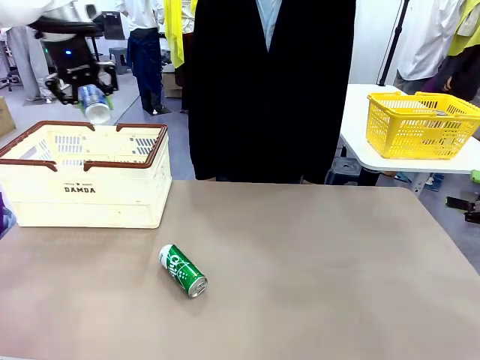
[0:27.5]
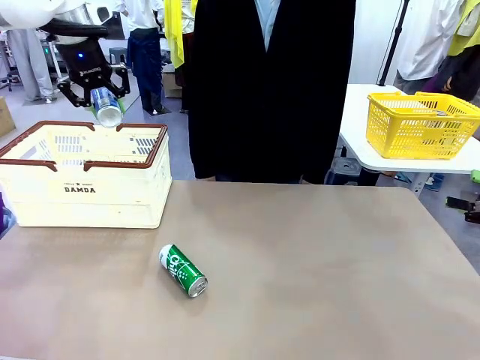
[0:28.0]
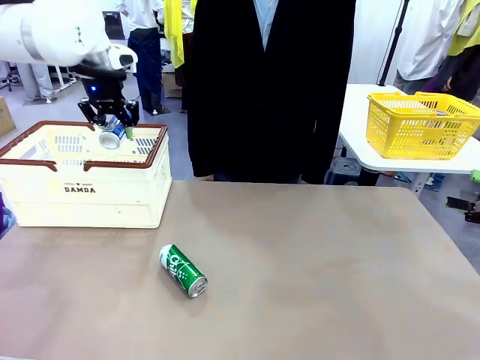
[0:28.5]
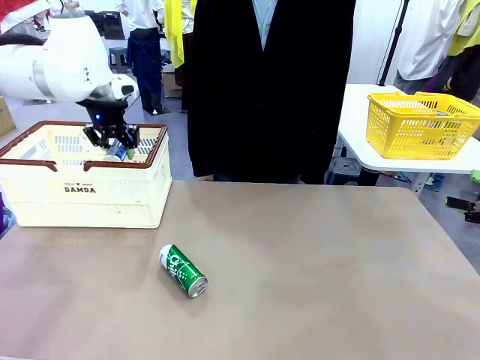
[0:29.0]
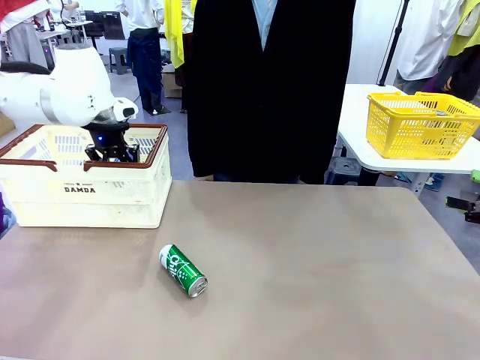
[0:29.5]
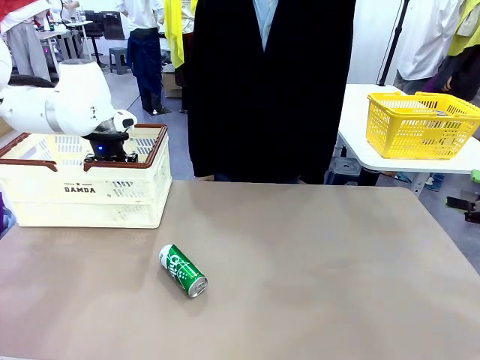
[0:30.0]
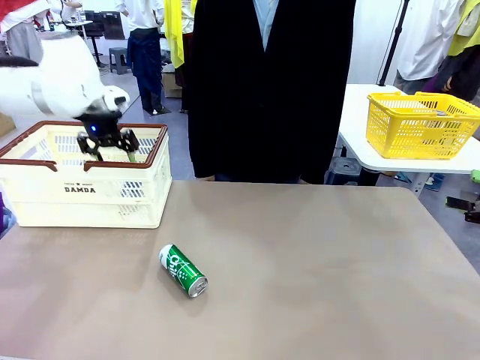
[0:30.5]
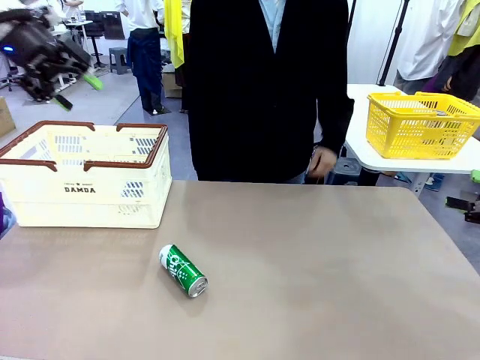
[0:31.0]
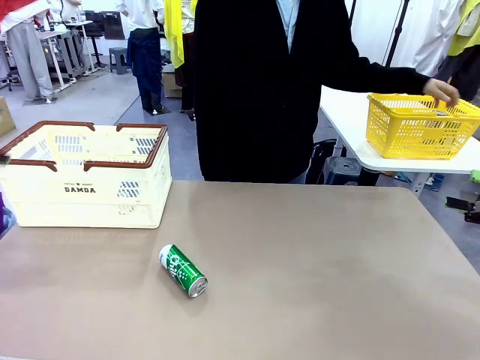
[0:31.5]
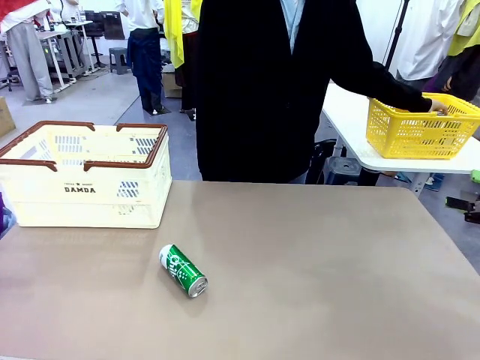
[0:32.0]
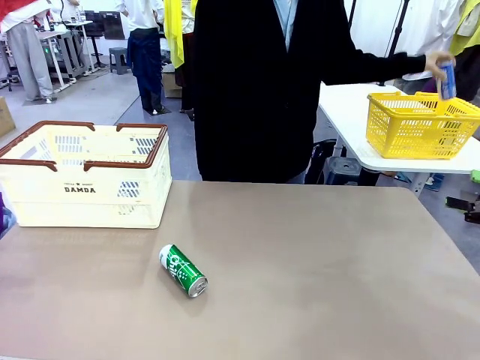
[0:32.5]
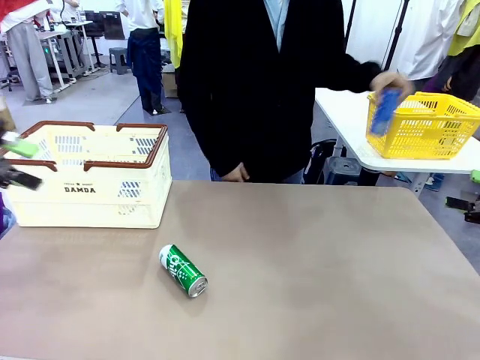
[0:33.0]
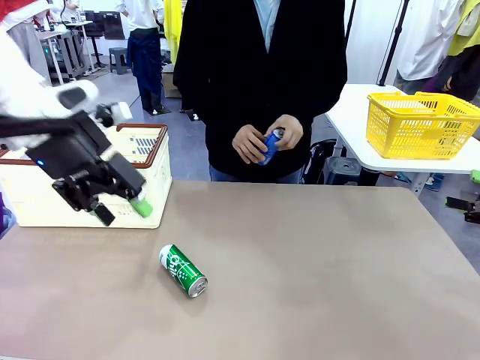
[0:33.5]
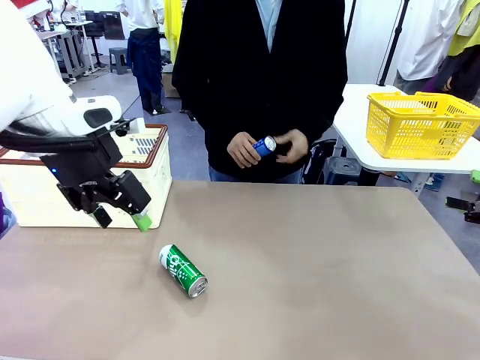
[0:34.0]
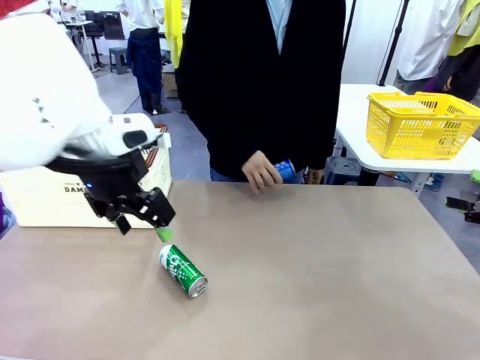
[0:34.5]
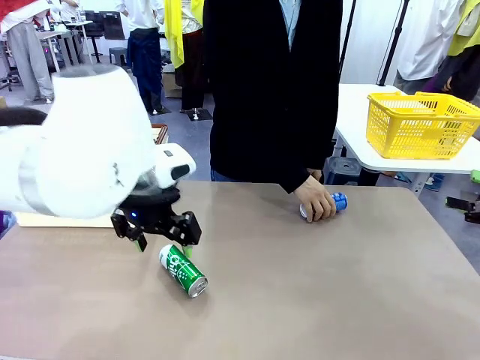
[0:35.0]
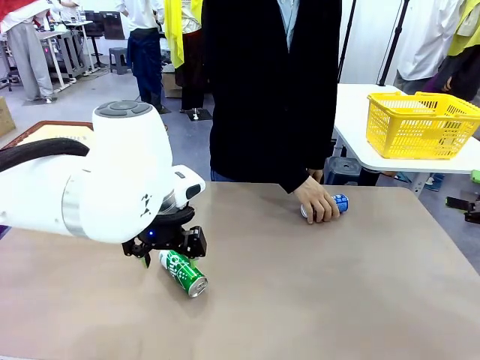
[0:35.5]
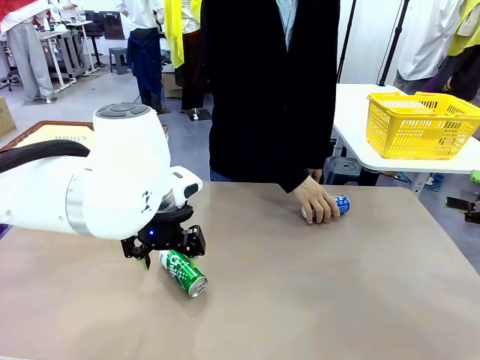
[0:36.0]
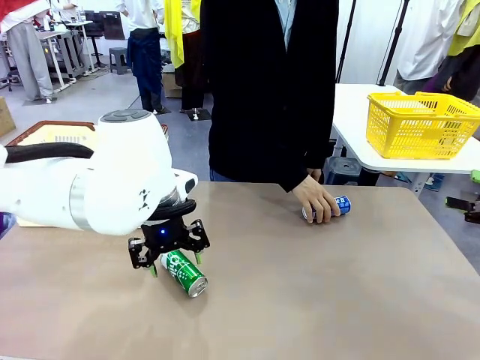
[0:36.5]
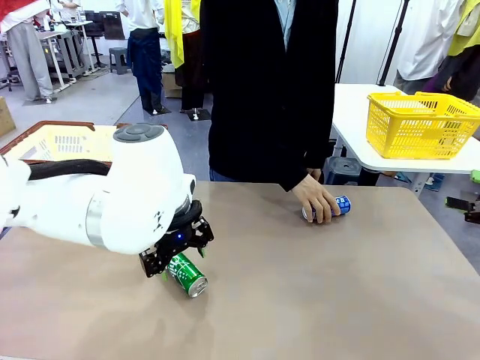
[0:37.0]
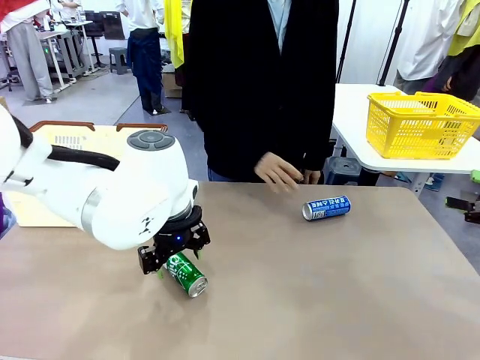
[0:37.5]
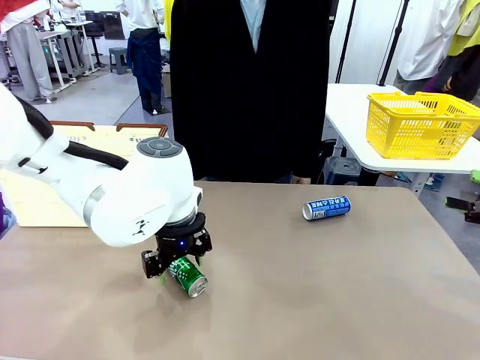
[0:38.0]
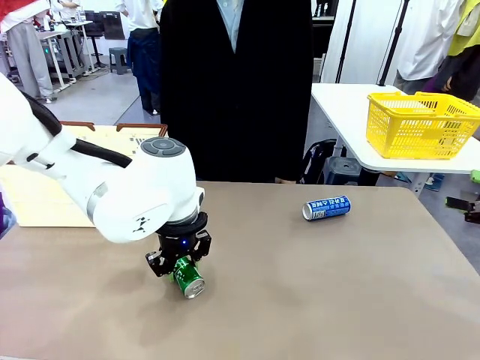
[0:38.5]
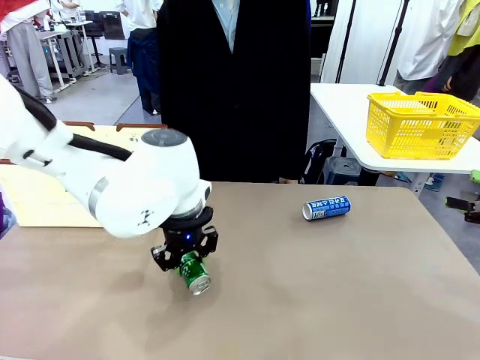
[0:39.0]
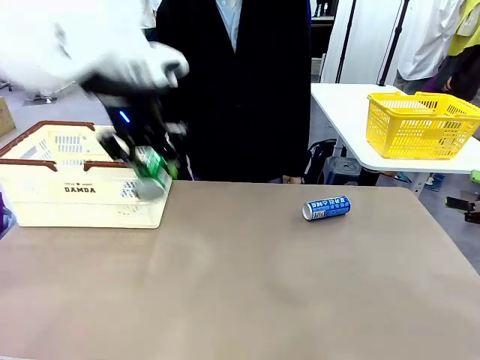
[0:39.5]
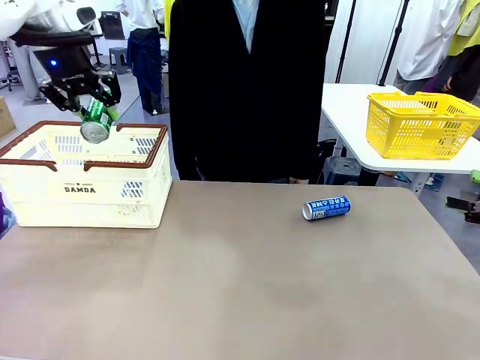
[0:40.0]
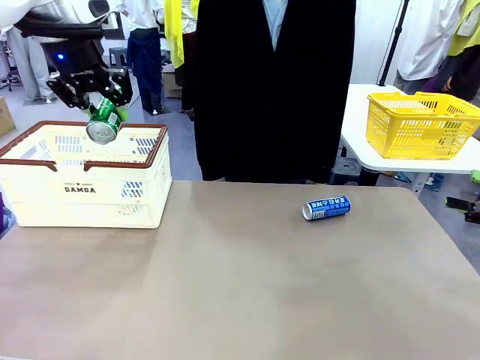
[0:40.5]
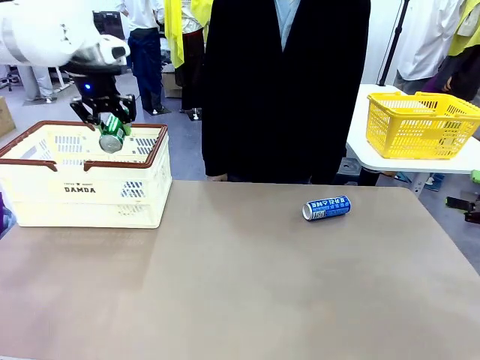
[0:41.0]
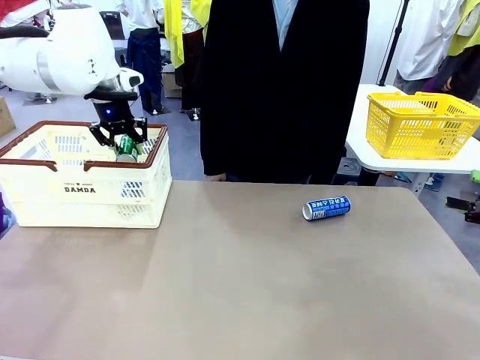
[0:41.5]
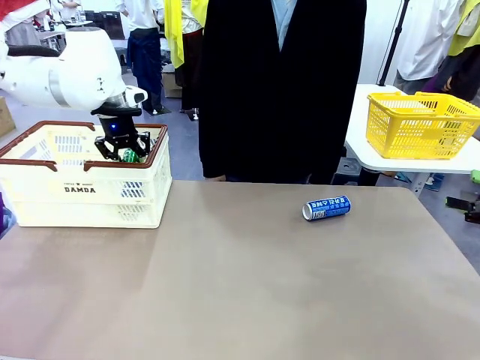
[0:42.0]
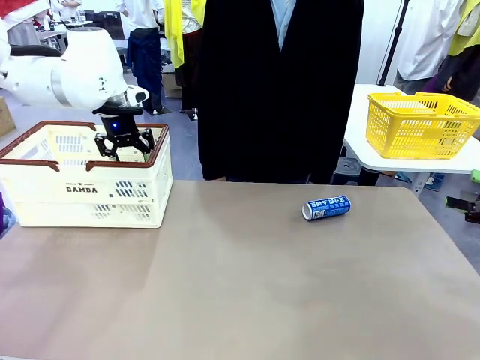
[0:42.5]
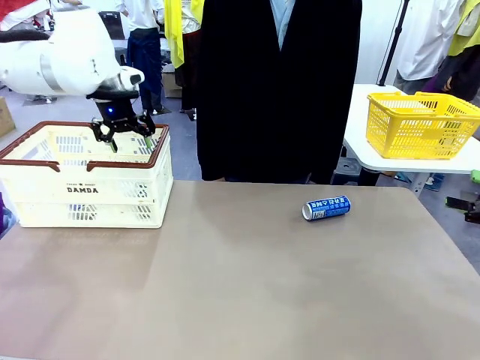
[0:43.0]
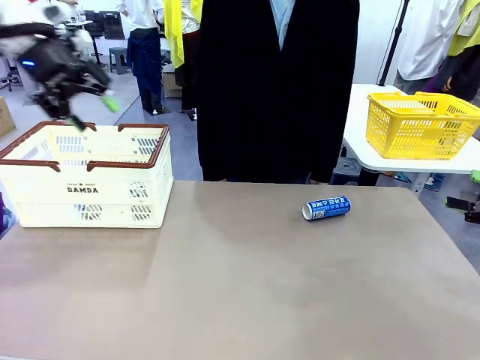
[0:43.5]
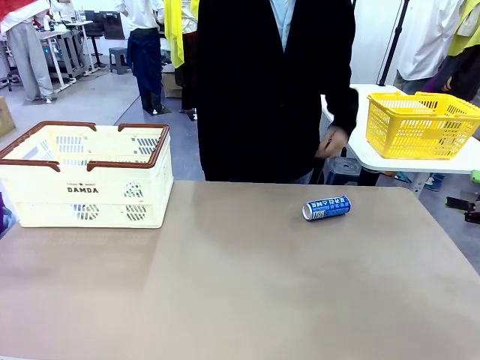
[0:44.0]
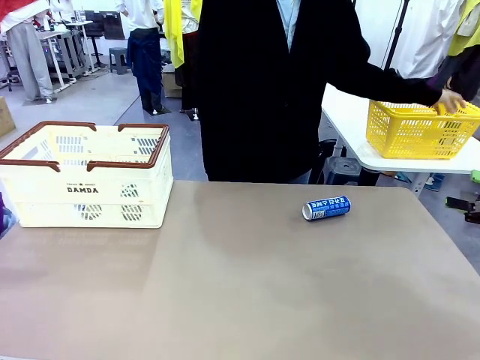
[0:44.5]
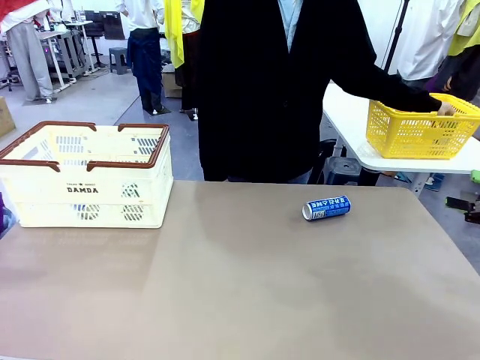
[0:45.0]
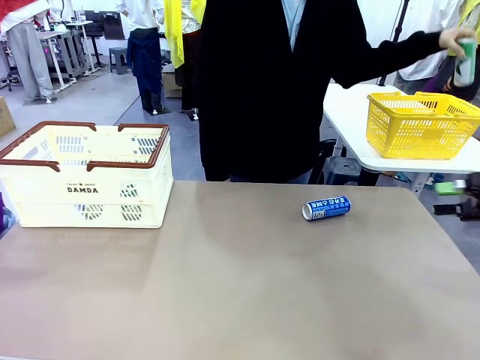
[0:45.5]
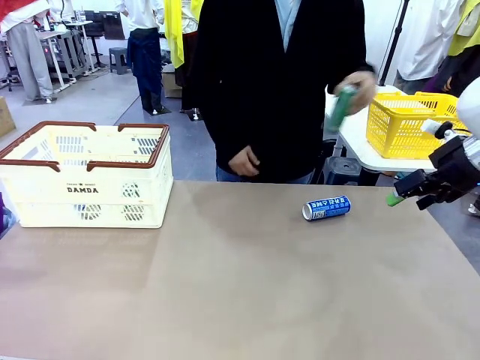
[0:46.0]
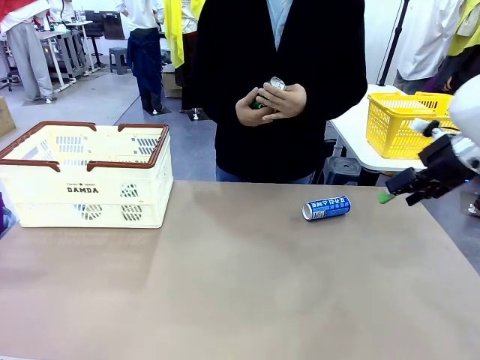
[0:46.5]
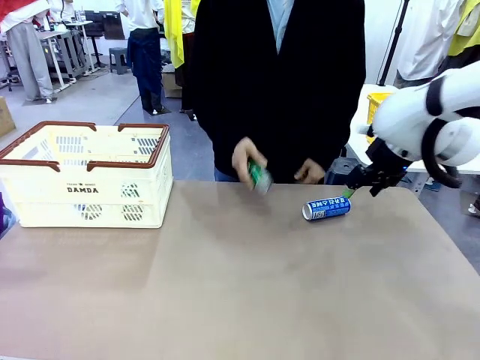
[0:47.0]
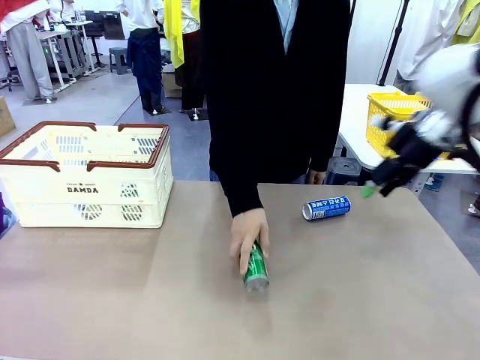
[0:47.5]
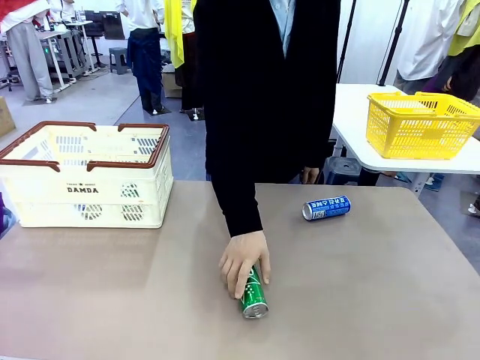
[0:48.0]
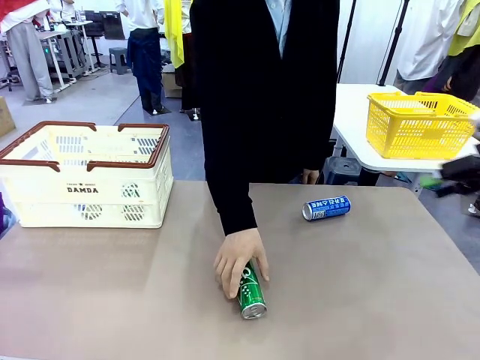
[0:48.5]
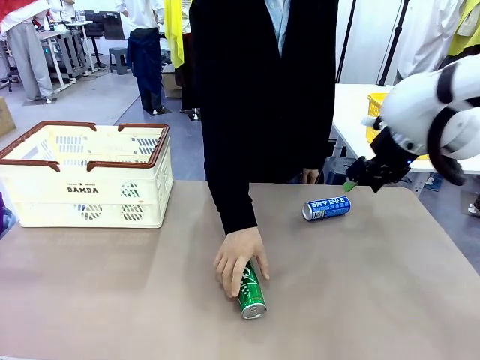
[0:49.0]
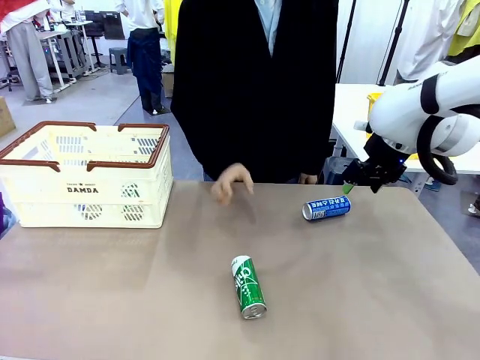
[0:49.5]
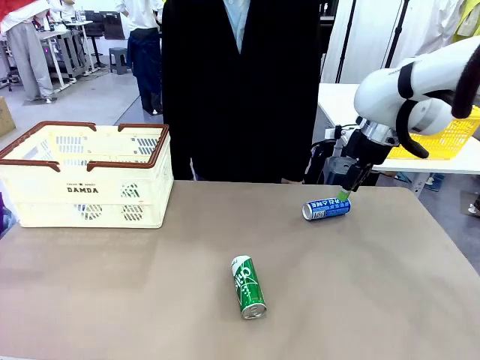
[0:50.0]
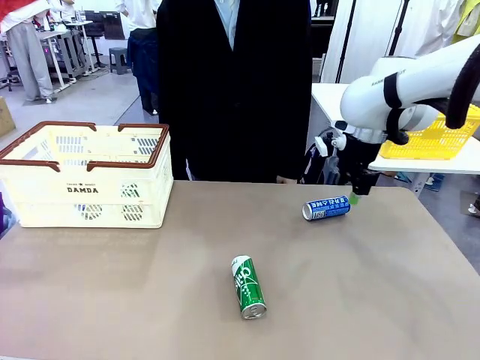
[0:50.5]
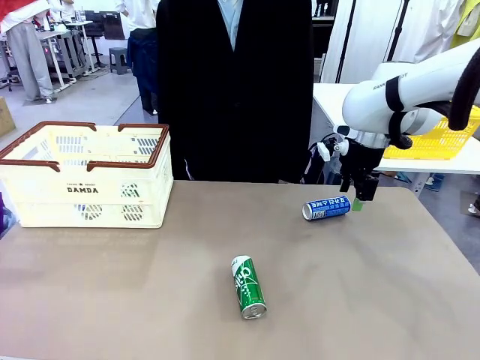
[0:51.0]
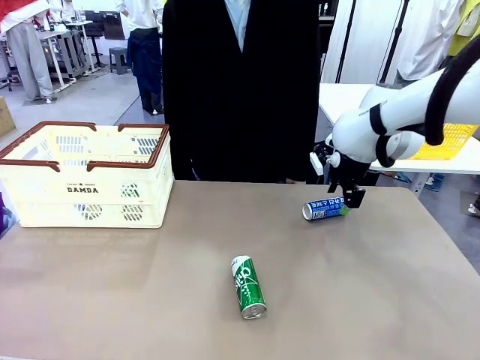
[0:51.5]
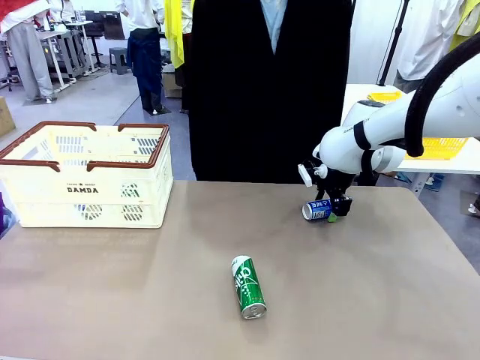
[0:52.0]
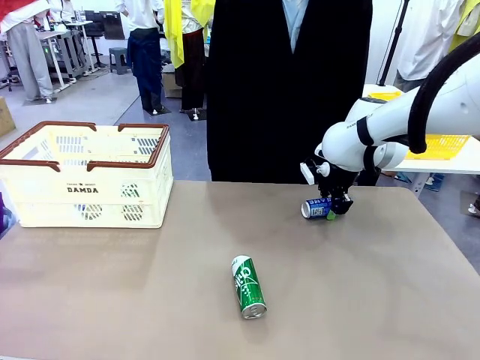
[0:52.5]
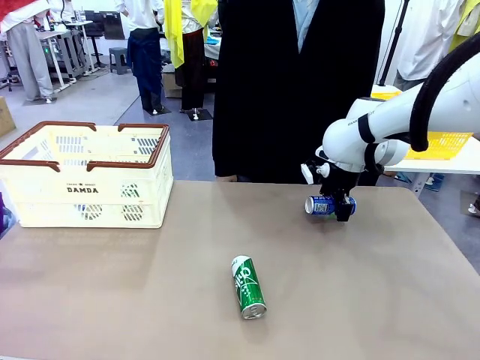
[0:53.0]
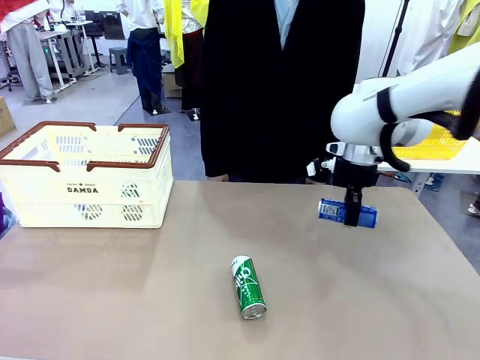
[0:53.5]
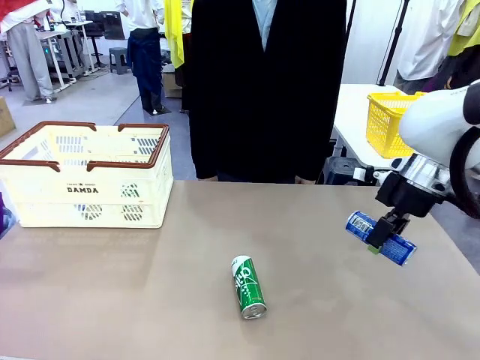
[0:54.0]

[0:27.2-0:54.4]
Task: Place the drinks into the Shopping basket.
Robot: Pick up one drink and place it into the Shopping basket.
